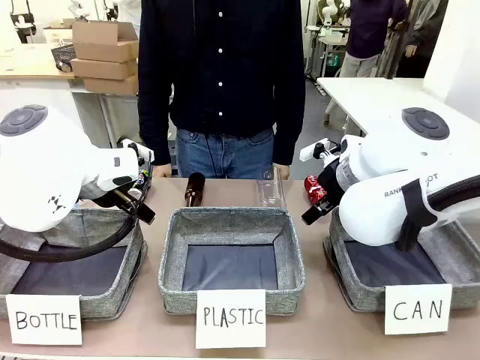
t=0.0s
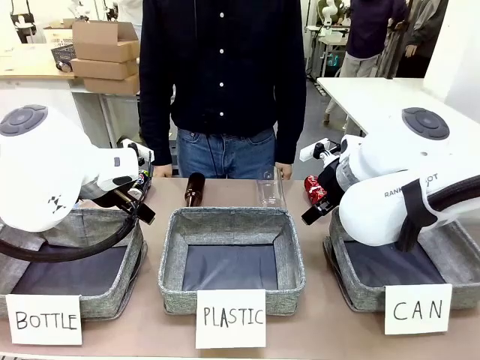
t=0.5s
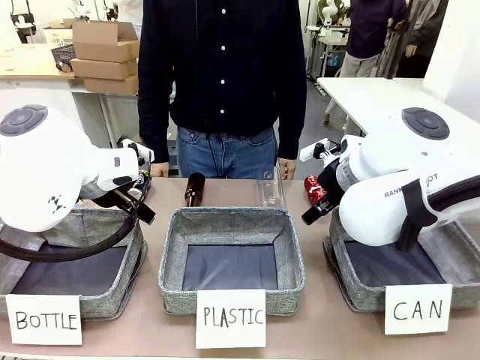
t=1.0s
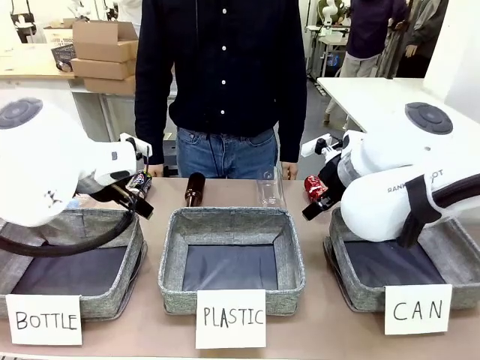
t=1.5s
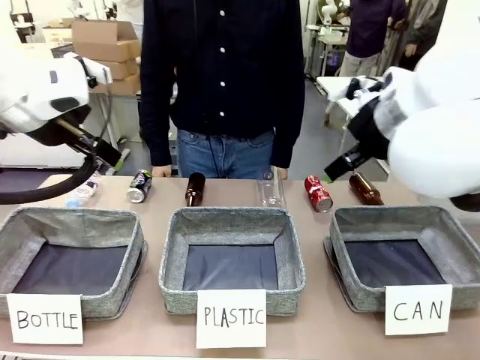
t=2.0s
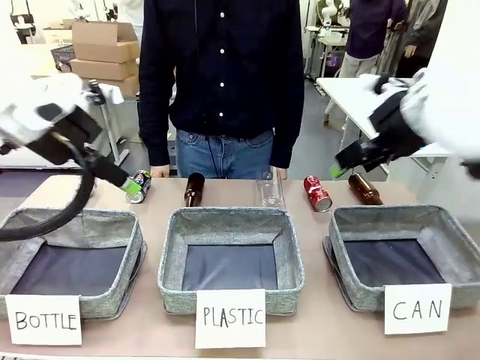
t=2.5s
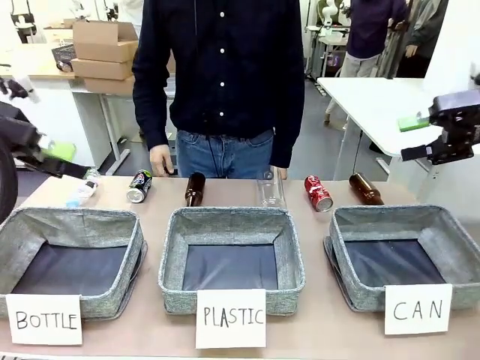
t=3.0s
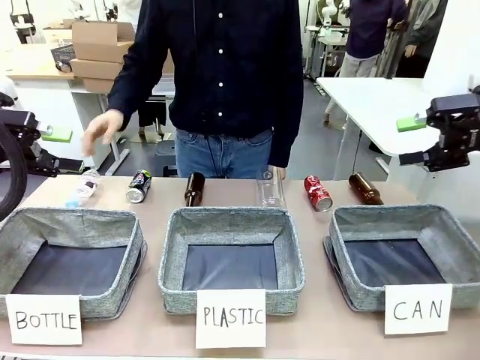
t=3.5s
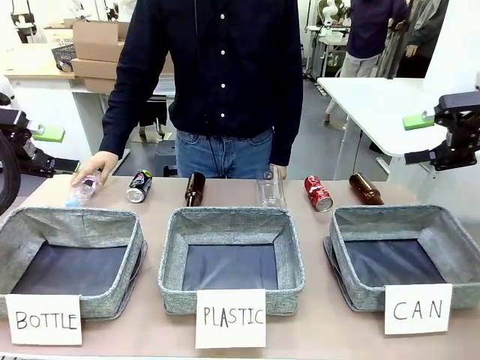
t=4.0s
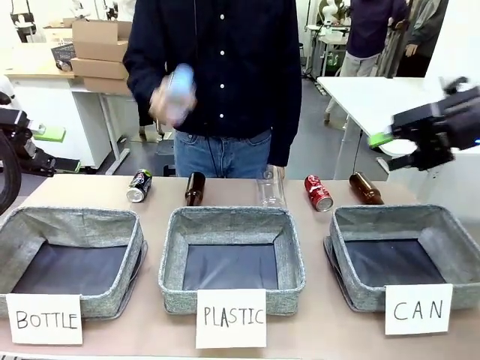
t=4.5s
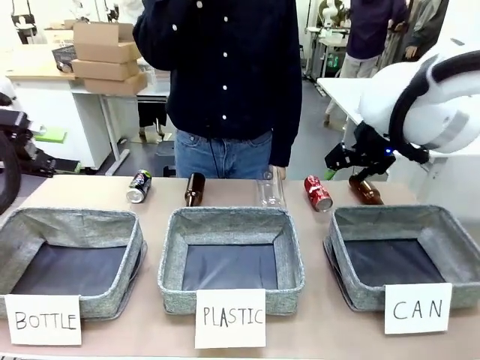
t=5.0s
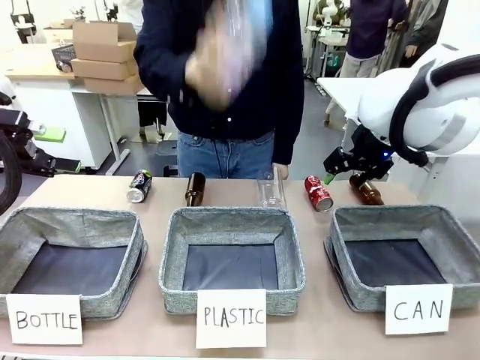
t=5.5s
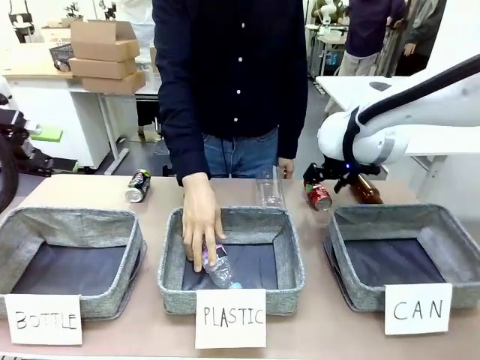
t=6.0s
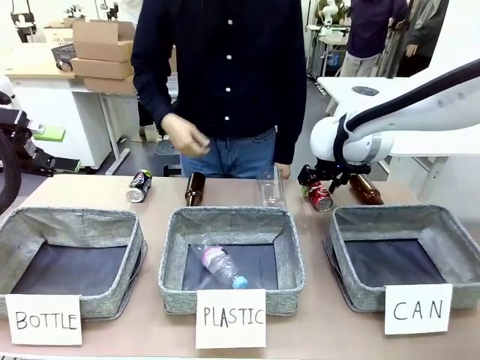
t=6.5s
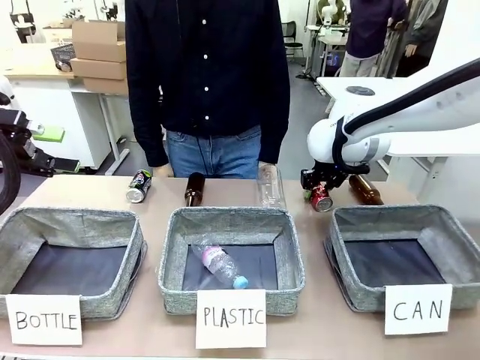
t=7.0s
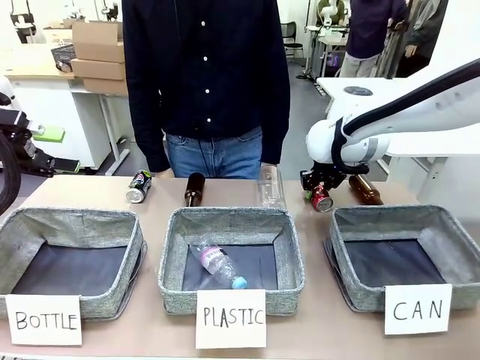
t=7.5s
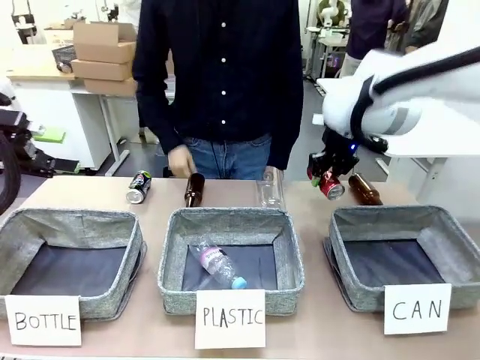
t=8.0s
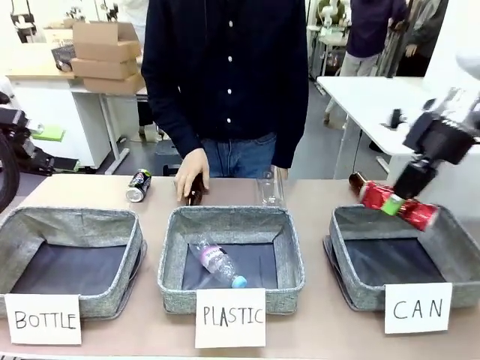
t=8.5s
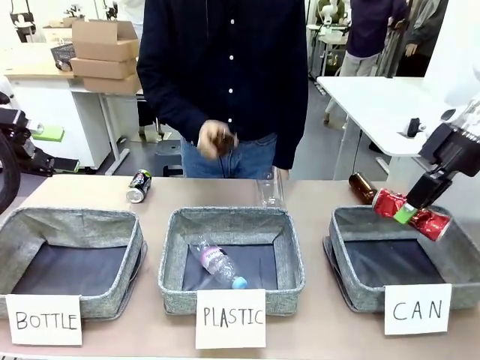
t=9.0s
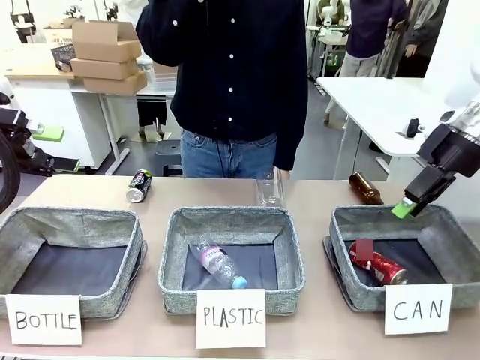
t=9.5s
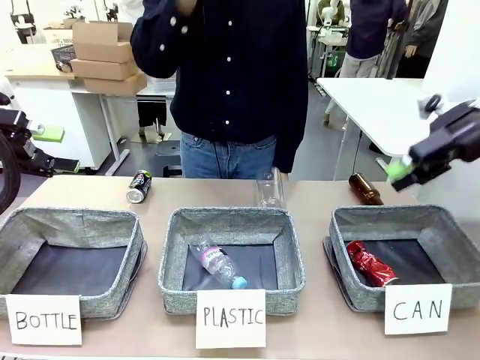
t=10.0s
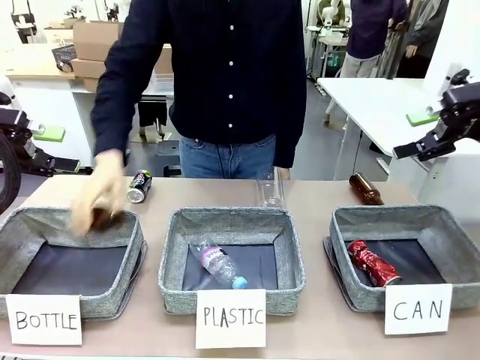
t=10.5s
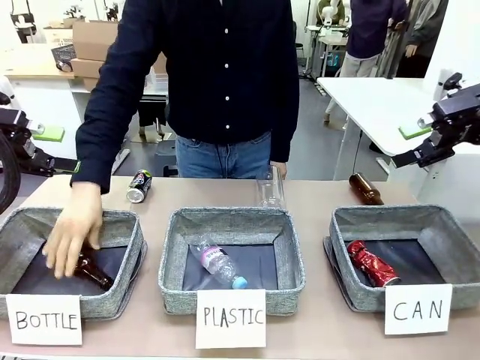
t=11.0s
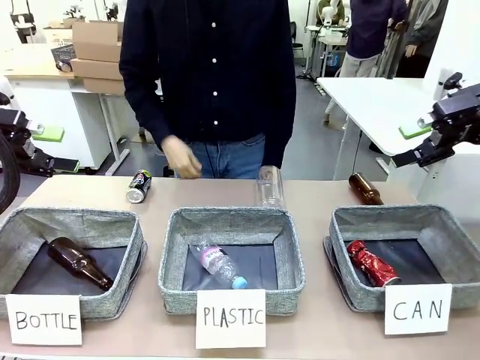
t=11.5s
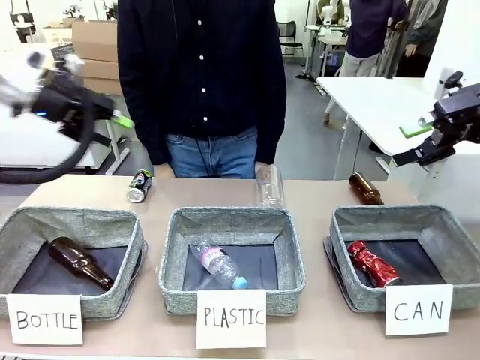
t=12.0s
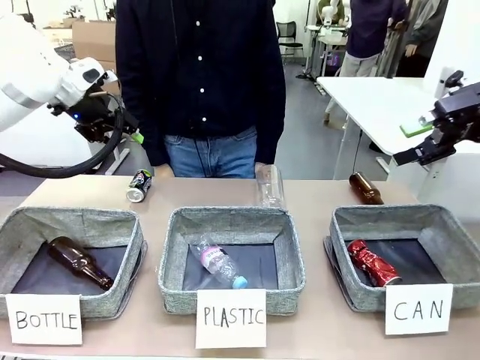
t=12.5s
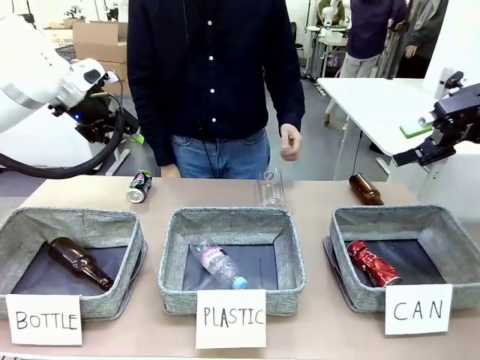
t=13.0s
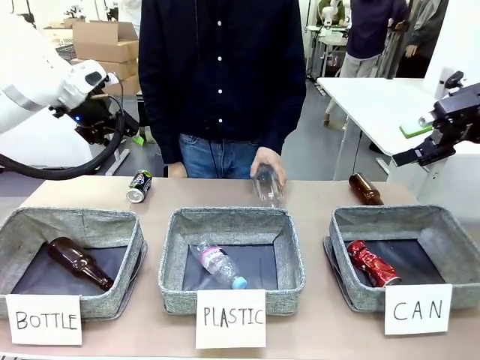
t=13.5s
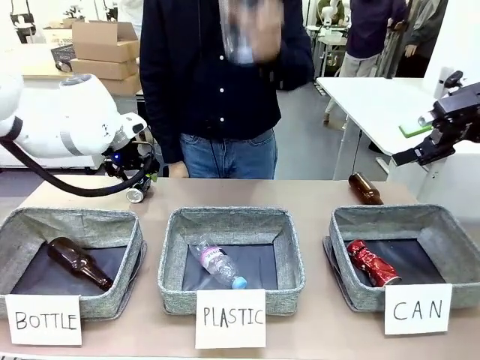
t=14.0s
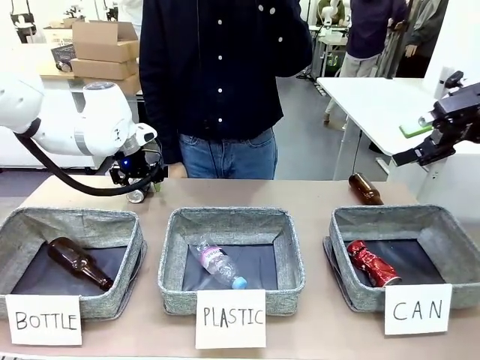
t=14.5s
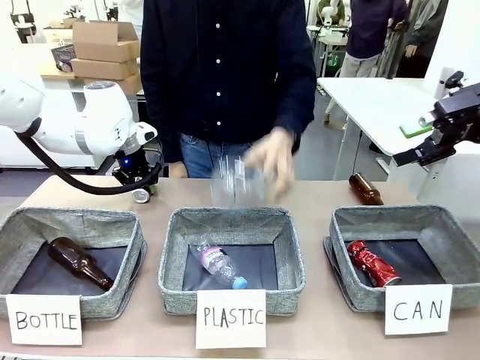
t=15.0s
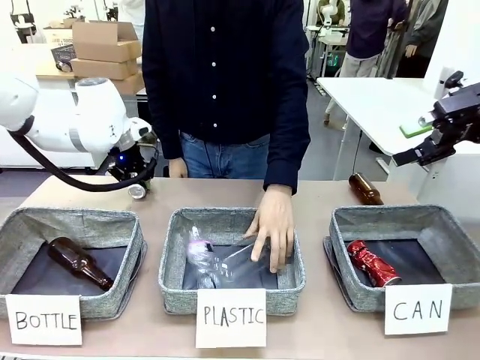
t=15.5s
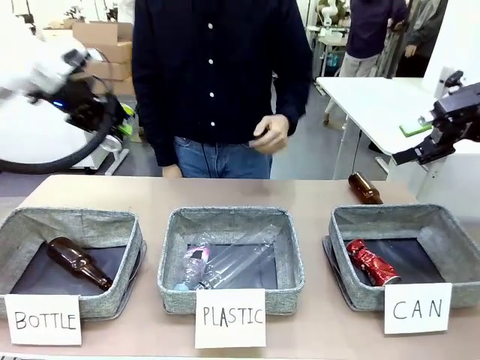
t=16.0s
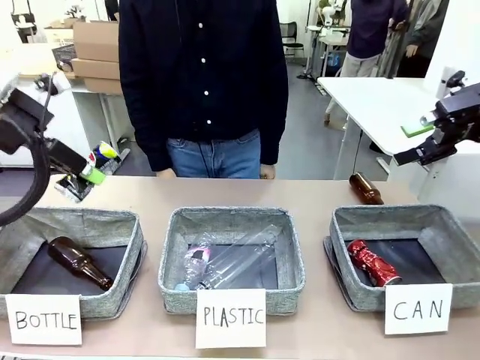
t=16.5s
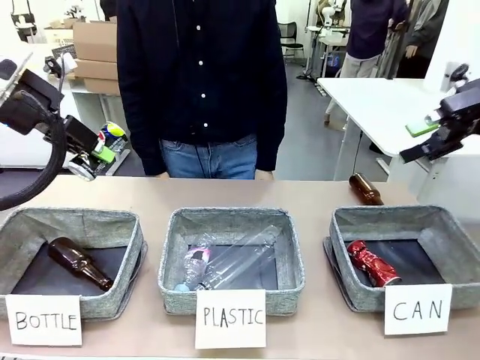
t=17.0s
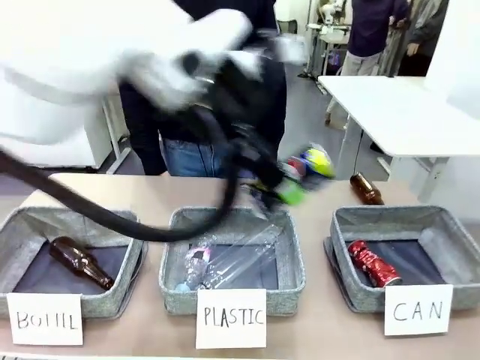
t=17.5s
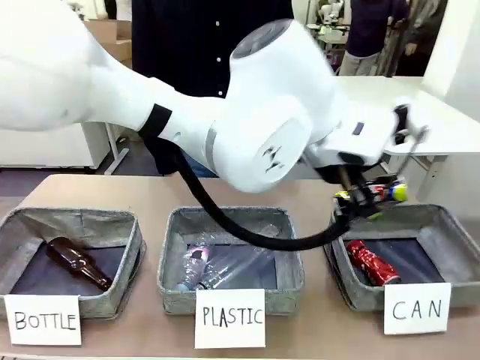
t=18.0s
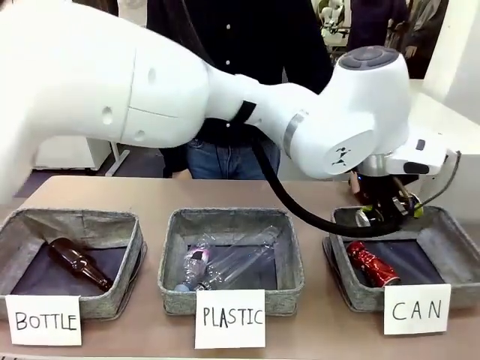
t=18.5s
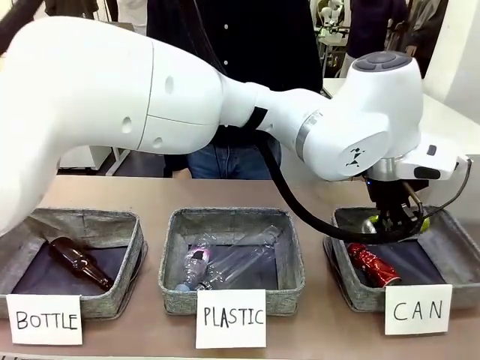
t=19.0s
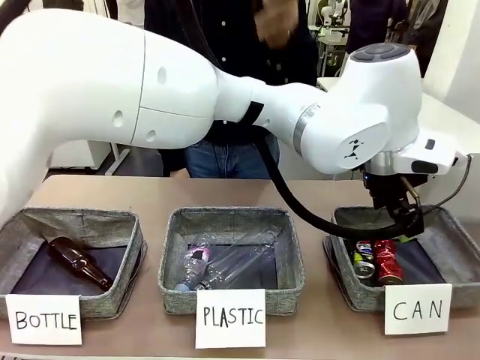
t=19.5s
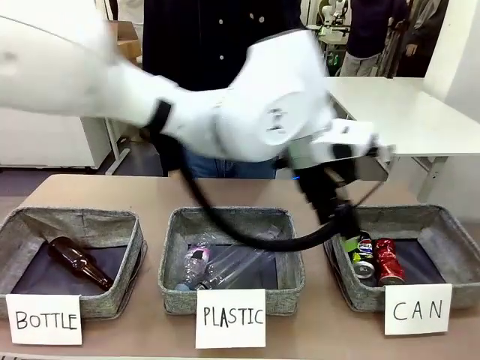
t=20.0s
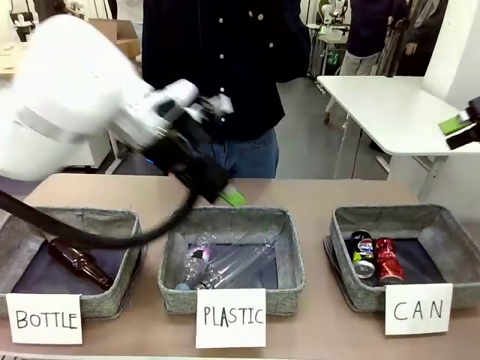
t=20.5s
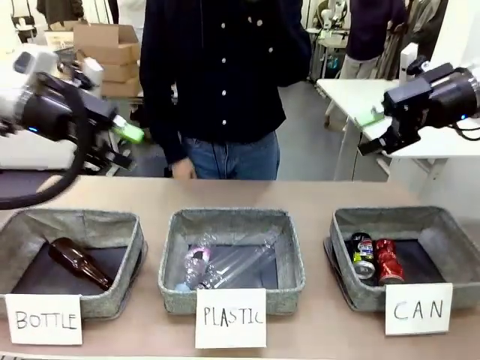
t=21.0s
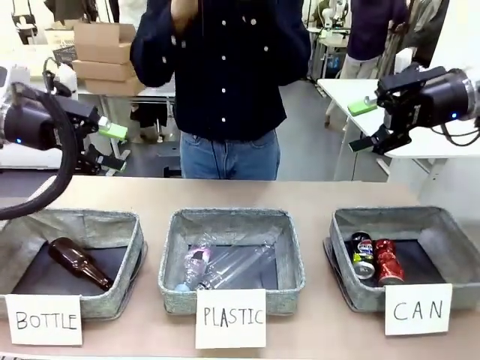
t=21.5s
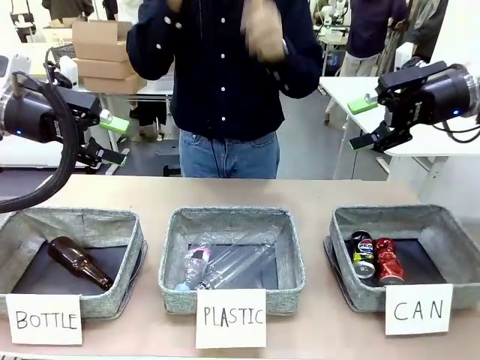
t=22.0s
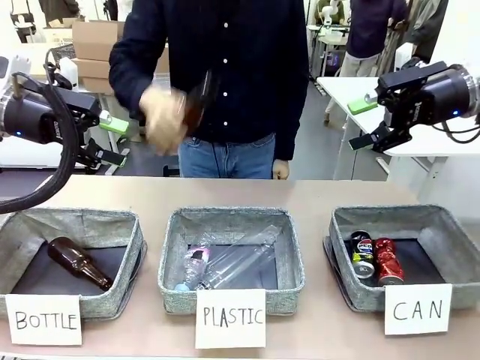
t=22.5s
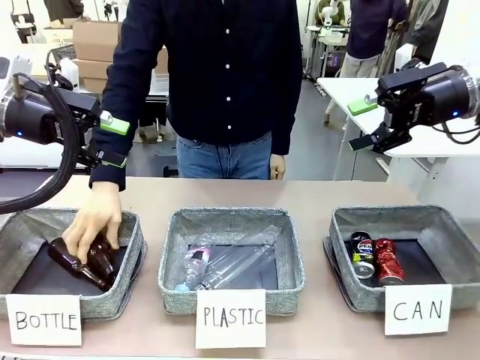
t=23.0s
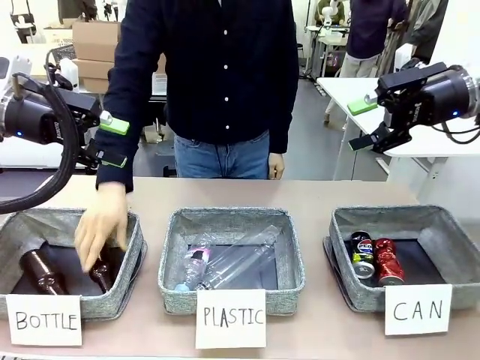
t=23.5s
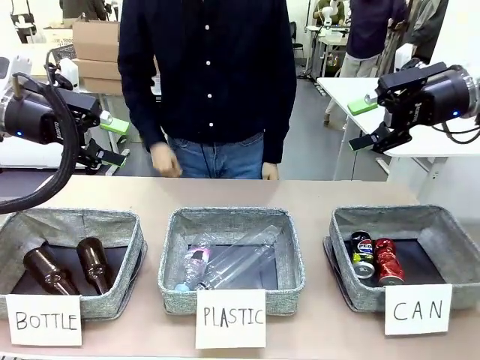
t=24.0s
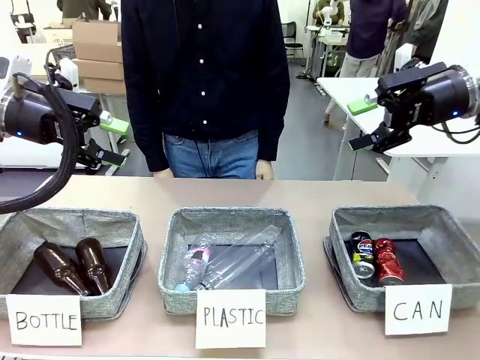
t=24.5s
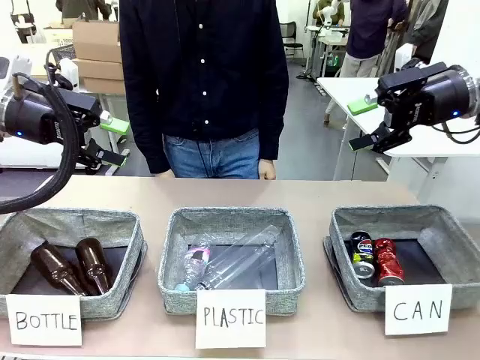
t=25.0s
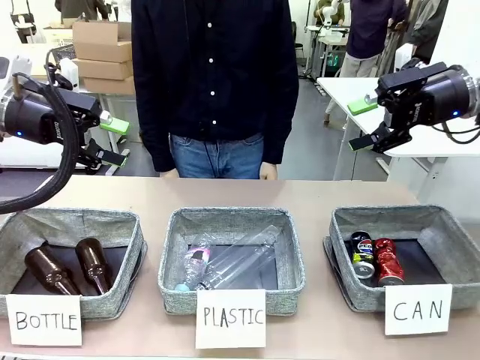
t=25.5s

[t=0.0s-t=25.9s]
Task: Sort the can waste into the basket.
Robot: Pick up the can waste from the table and place it in the right Fabric basket.
Person: The human picks up one piece of trash that is not a can and places the trash into the appropriate organizing basket.
